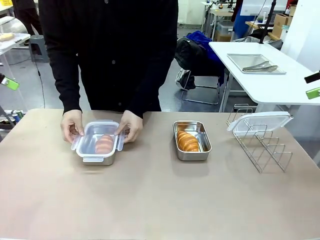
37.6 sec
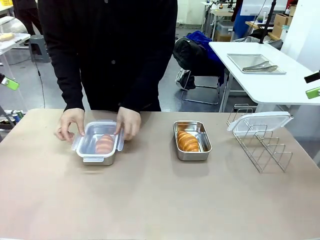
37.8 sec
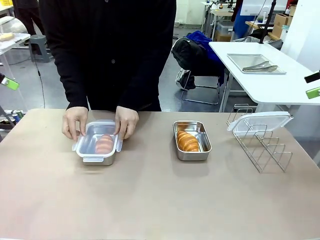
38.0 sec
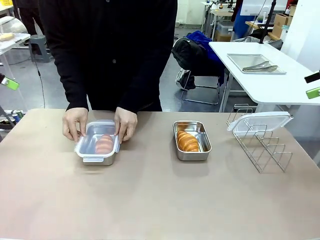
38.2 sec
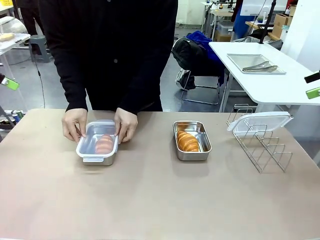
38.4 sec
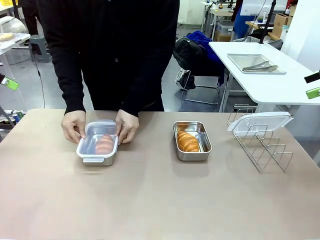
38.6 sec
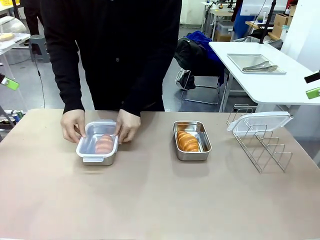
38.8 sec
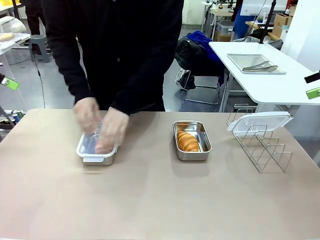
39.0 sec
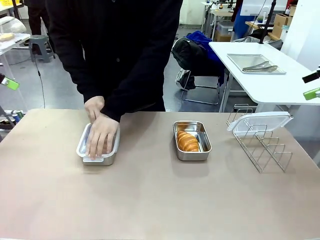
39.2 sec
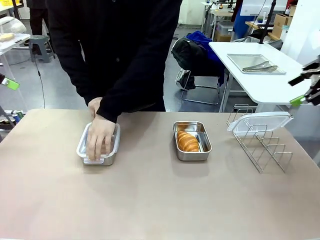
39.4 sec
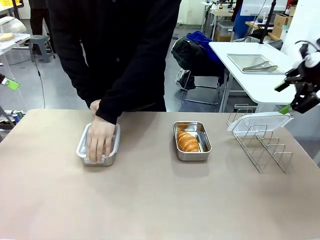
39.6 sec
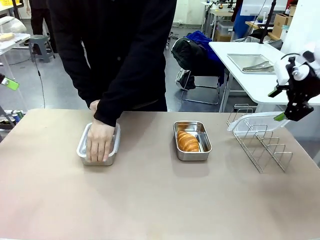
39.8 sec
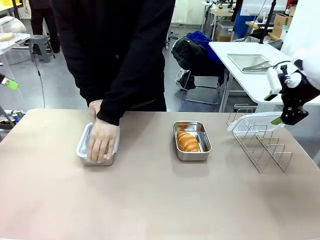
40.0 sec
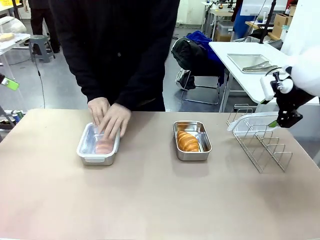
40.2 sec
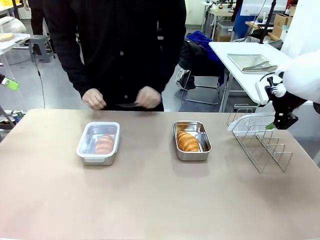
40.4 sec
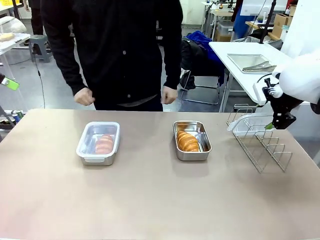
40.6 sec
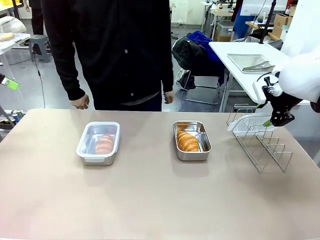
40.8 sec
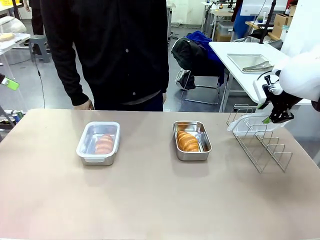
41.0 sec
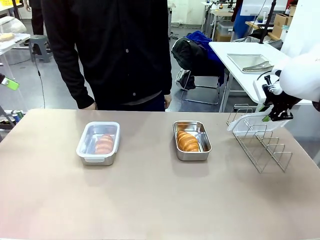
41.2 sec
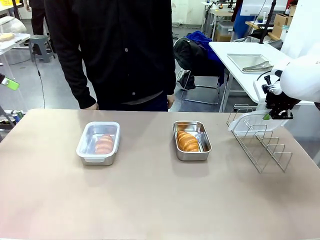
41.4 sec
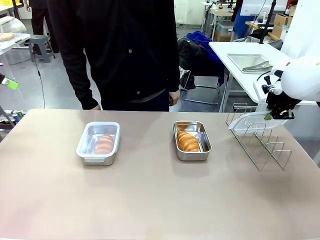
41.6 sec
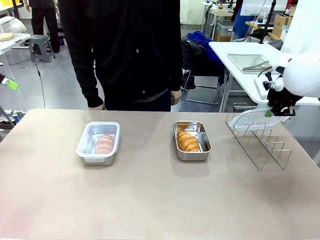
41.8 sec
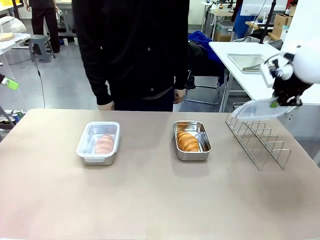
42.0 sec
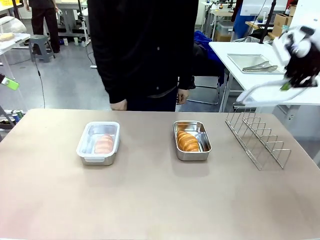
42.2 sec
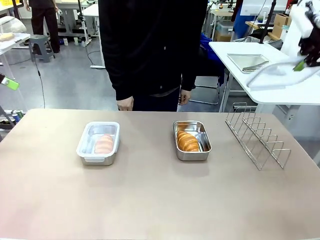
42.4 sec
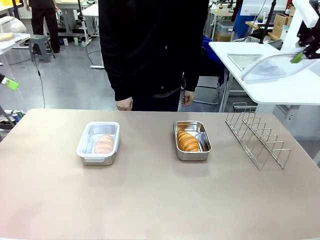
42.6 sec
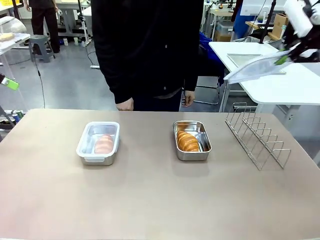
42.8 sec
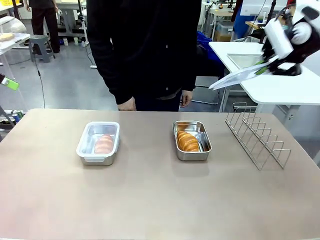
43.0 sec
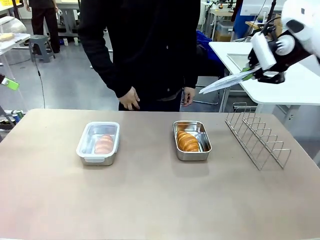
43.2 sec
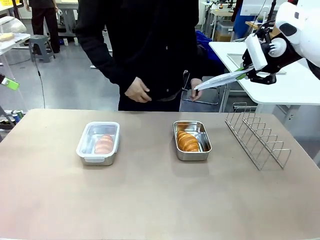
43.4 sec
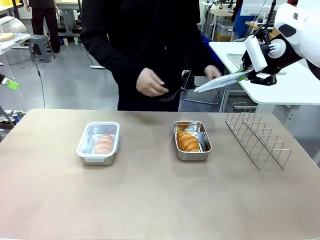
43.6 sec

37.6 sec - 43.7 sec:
Task: Place the bread in airtight containers.
Robot: Pick up one Airtight Container lid and hand it to the human.
Person: Close Airtight Container with a handed Airtight Container lid. Grip Airtight Container lid that robot is handing.

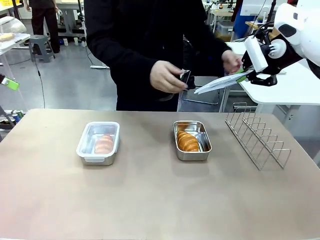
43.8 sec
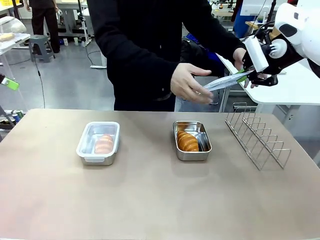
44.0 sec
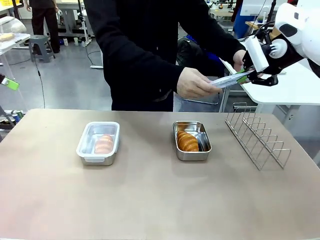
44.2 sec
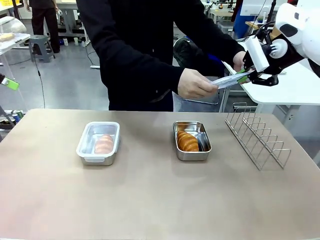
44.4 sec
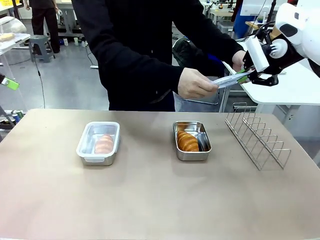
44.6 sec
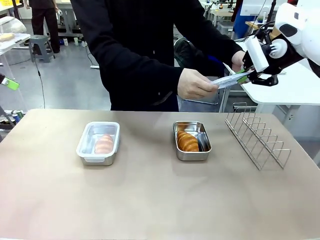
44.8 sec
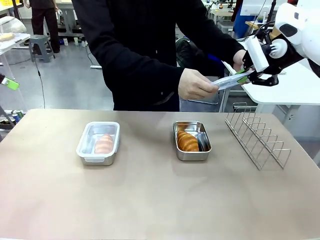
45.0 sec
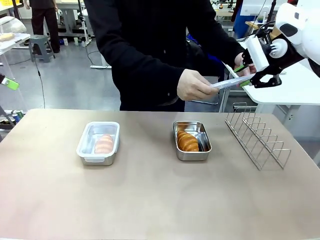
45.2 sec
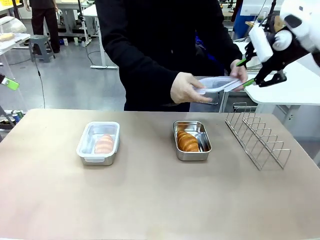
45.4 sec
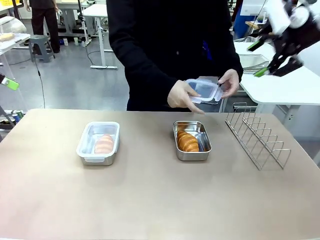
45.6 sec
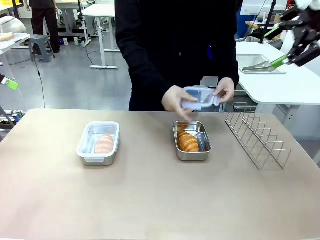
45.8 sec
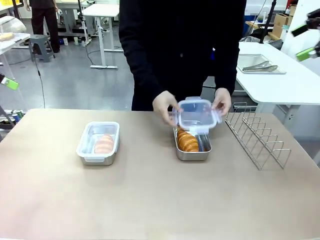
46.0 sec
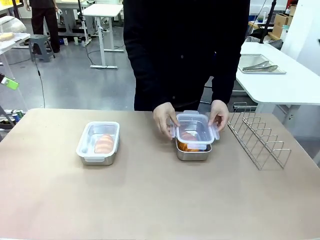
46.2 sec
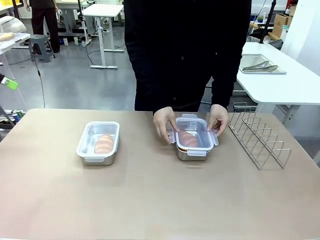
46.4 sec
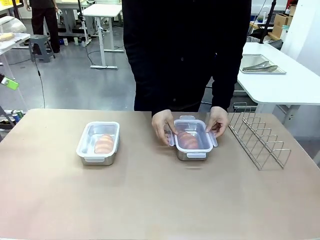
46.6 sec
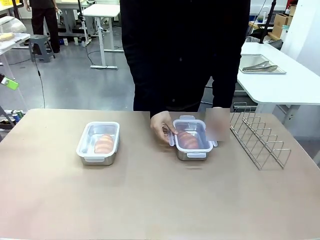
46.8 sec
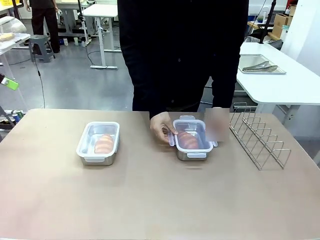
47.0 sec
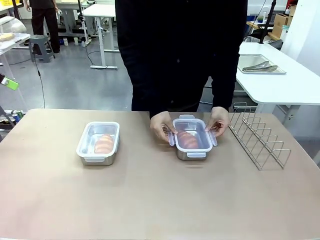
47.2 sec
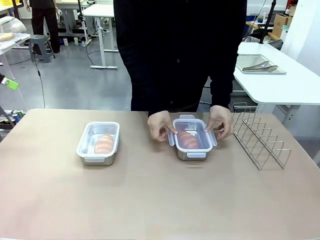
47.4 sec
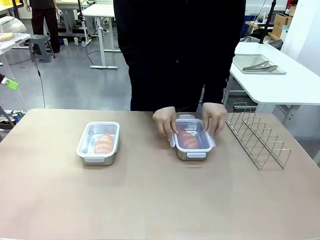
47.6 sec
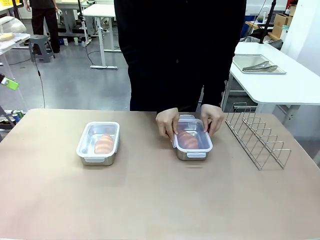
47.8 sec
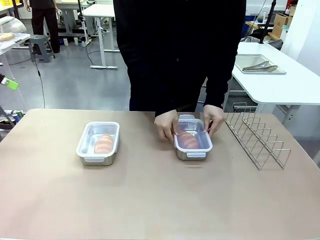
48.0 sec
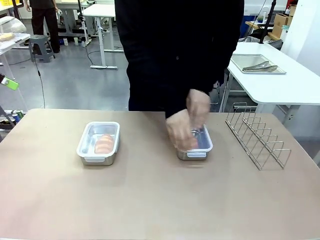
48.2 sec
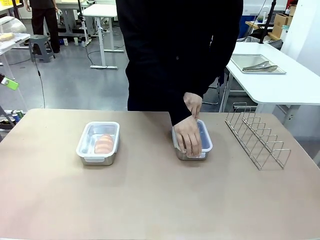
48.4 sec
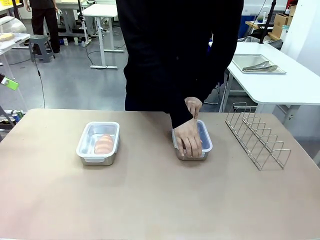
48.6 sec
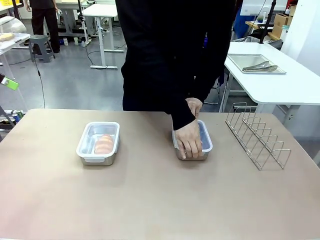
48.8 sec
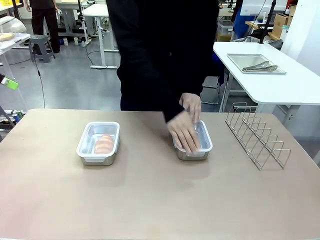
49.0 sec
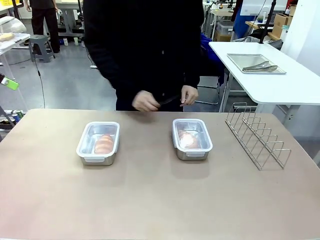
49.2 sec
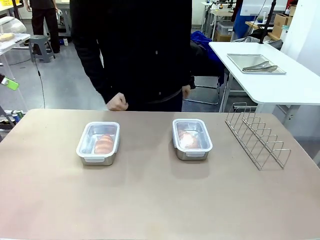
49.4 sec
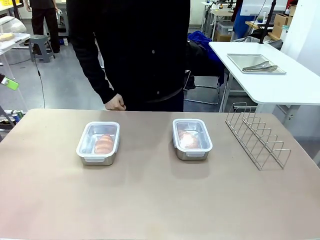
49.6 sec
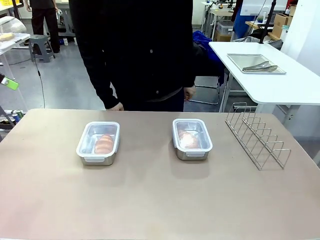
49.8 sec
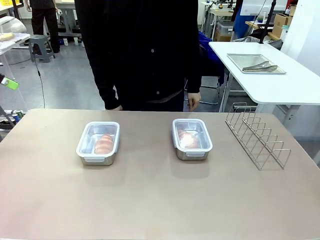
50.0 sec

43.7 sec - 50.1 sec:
Robot: Release when the human grabs the Airtight Container lid.
Person: Close Airtight Container with a handed Airtight Container lid.

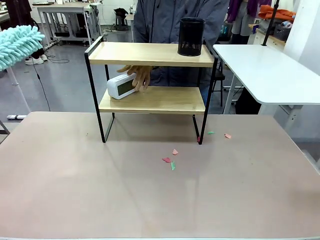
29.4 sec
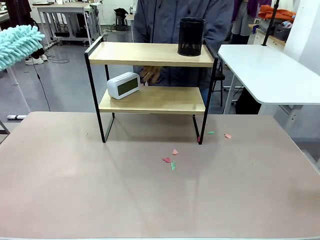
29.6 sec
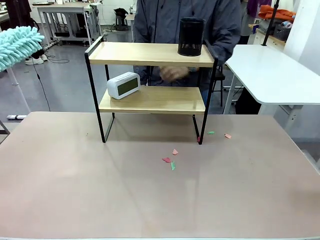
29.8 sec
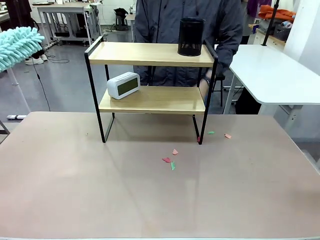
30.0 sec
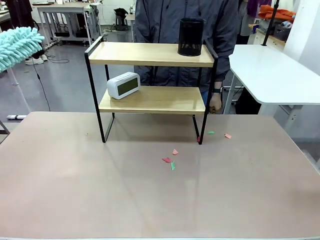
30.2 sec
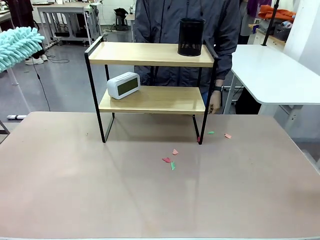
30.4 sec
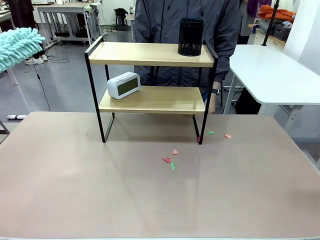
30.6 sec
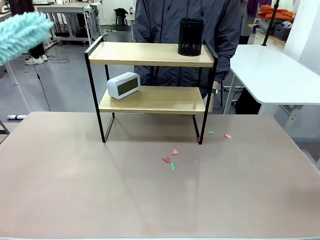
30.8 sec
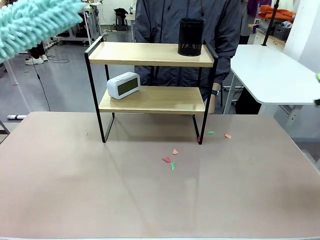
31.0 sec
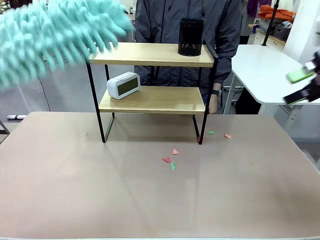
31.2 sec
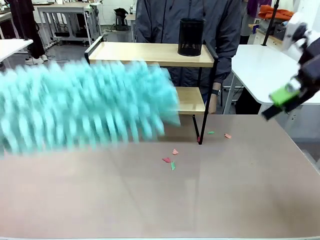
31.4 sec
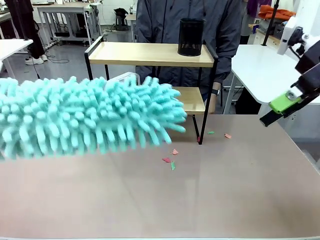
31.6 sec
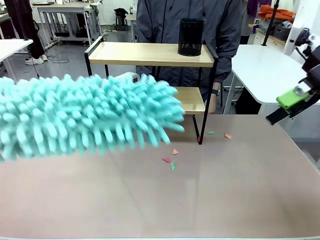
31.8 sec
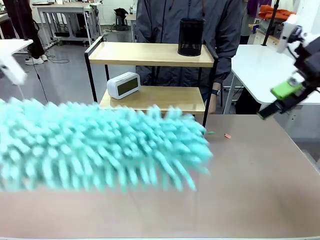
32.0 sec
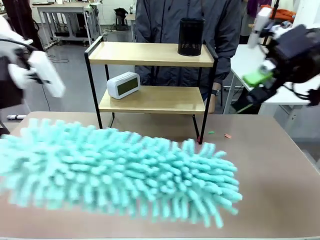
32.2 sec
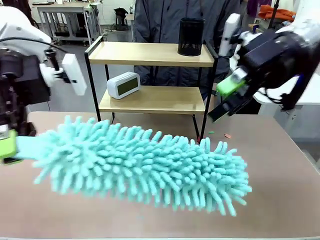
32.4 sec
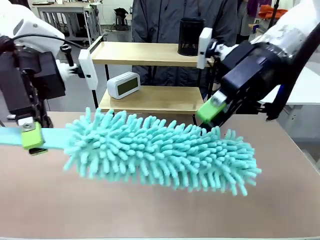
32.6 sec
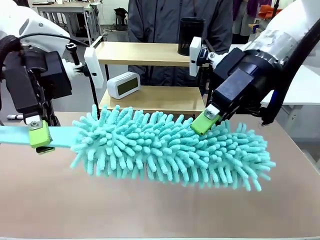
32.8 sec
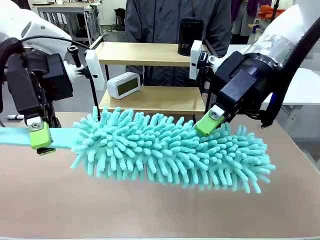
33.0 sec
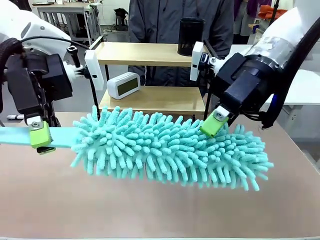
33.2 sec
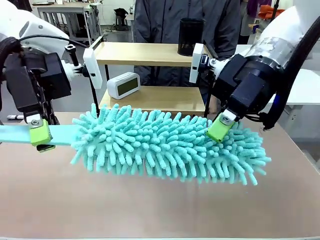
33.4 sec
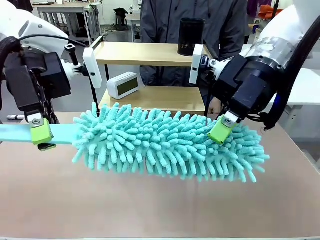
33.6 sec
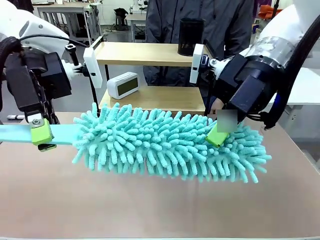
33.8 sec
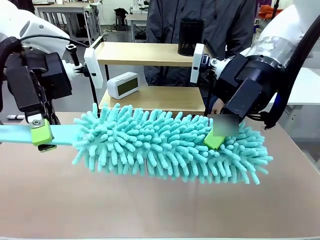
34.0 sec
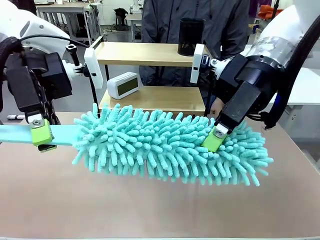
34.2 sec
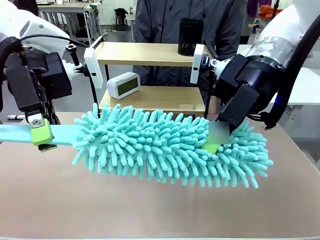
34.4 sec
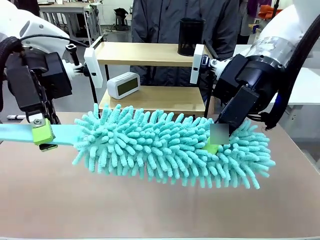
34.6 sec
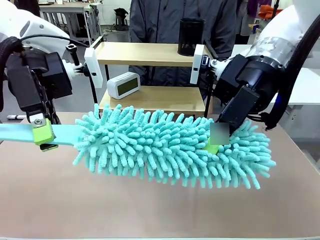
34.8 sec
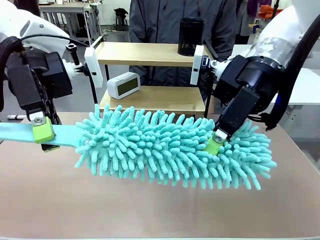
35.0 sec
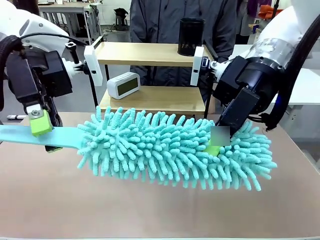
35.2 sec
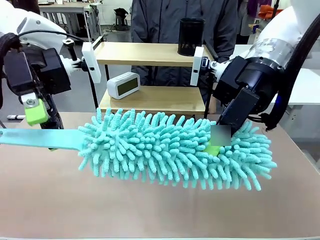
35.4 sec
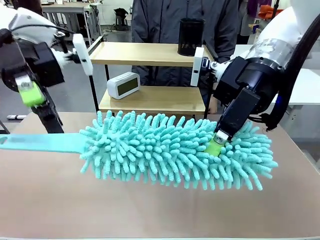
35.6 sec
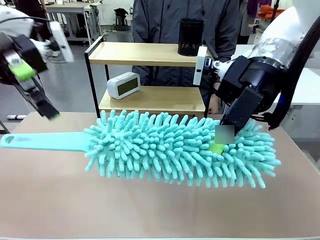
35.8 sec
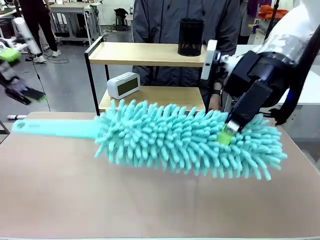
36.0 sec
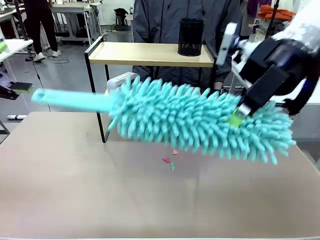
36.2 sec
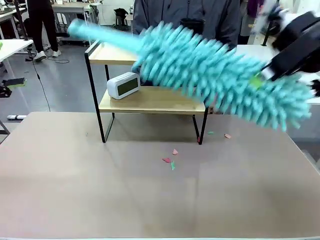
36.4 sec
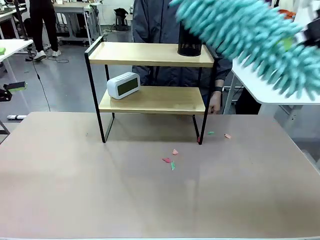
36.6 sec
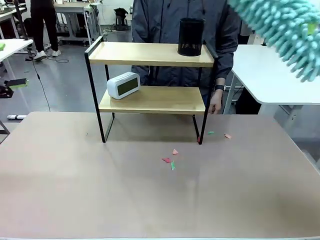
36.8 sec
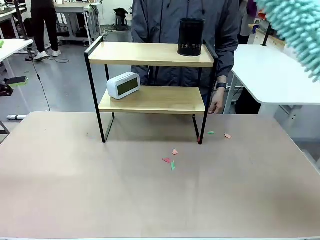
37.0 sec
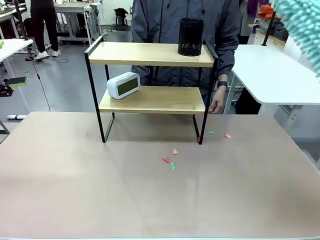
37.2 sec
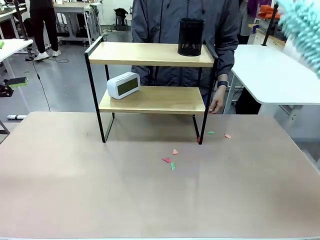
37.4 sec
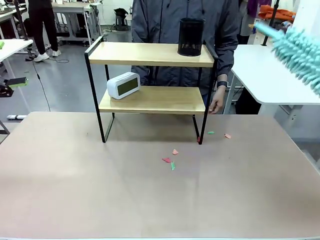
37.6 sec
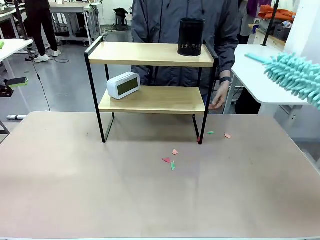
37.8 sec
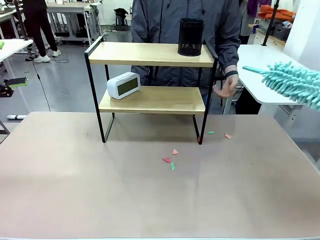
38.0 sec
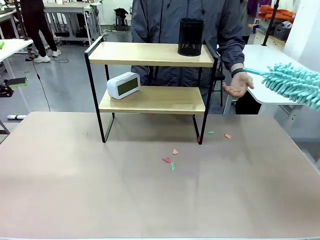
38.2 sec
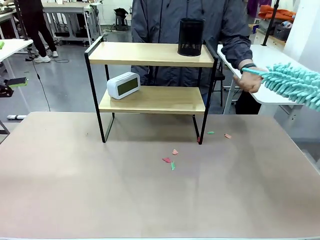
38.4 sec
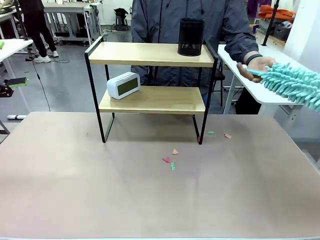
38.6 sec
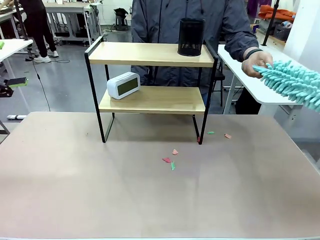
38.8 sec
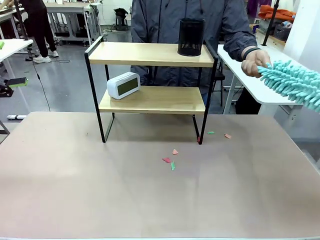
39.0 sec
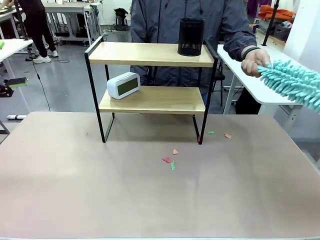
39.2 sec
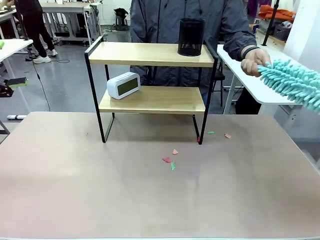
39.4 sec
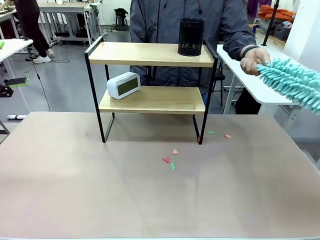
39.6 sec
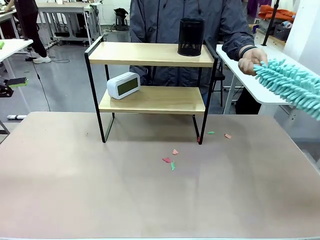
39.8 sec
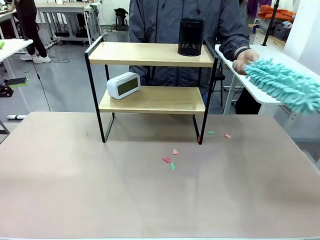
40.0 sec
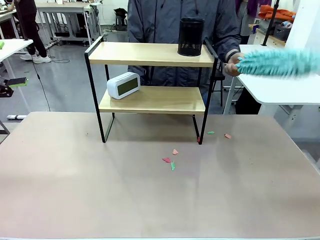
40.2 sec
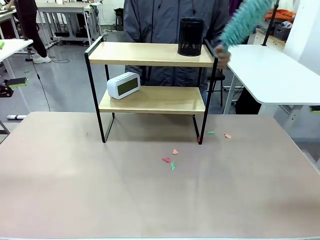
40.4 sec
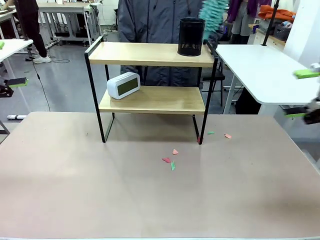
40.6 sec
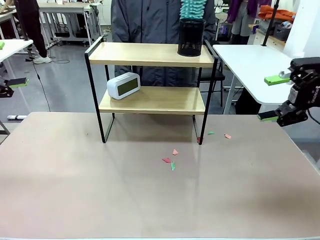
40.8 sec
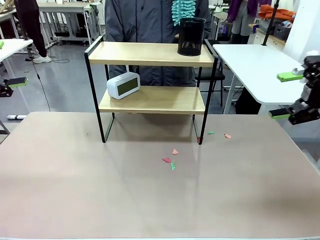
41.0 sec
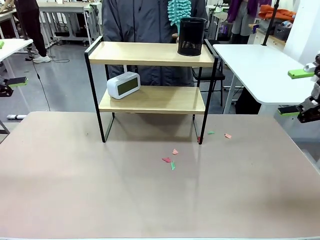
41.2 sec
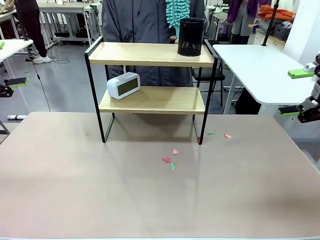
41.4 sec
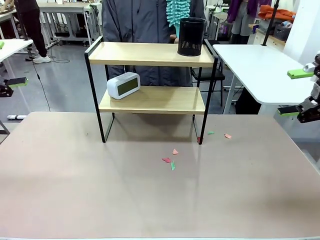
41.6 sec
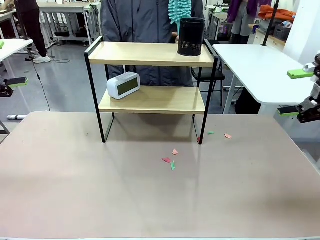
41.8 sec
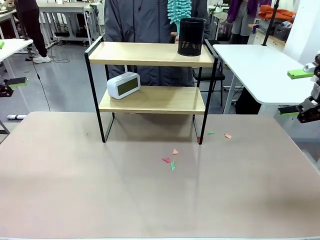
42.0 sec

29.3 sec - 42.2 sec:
Task: Clean the shelf.
Robot: Hand the Duster back to the human.
Person: Receive the Duster from the robot.
